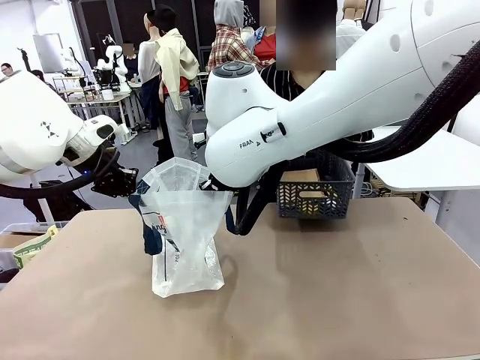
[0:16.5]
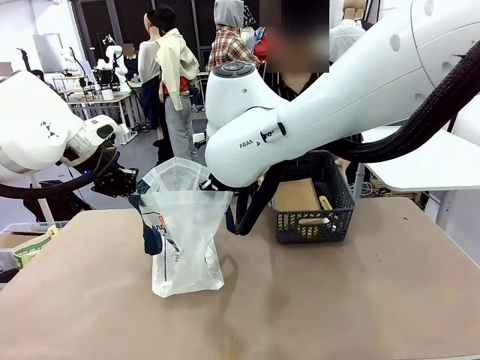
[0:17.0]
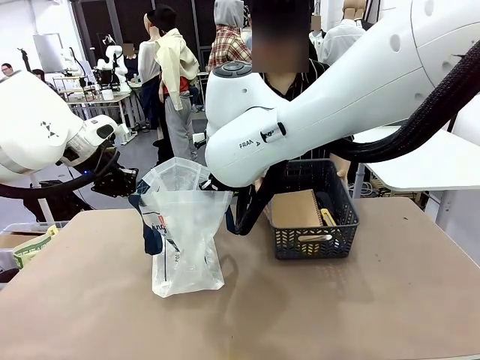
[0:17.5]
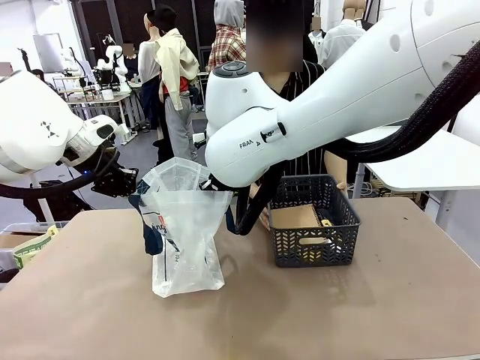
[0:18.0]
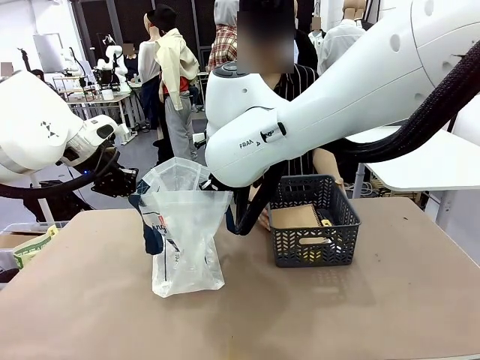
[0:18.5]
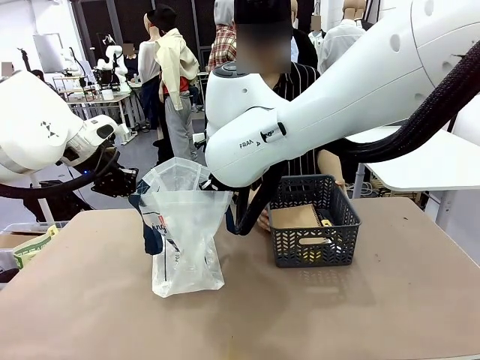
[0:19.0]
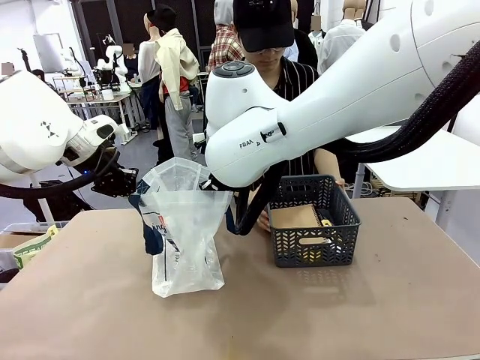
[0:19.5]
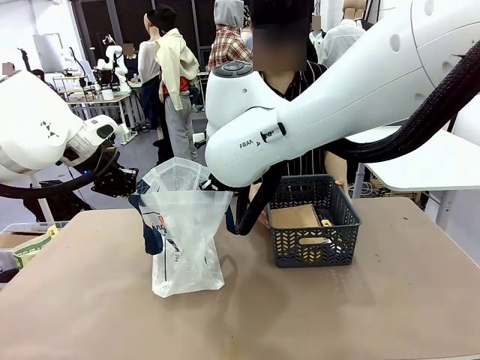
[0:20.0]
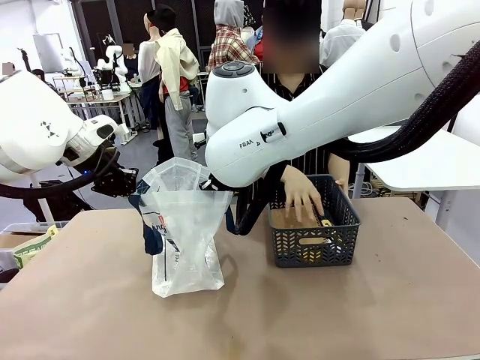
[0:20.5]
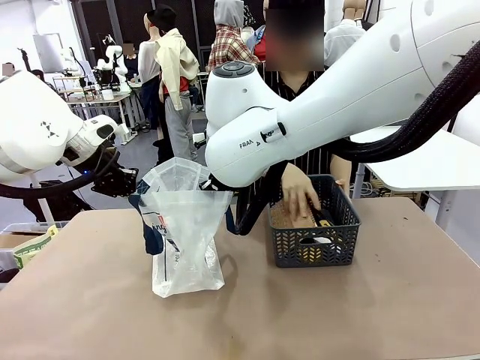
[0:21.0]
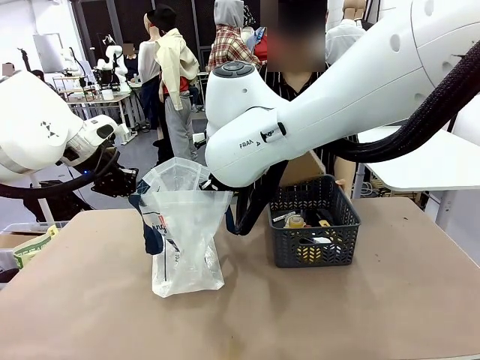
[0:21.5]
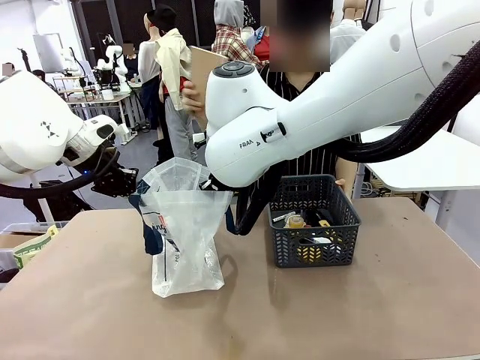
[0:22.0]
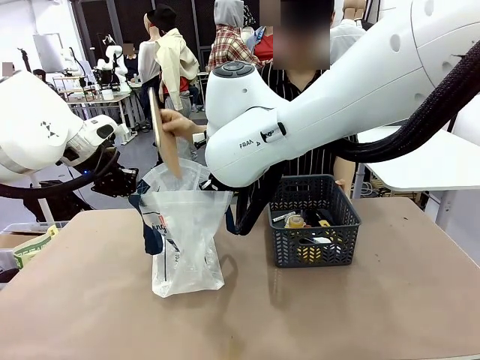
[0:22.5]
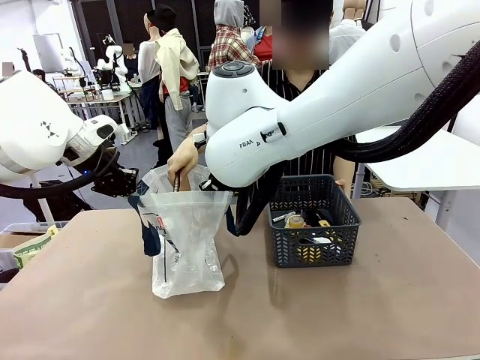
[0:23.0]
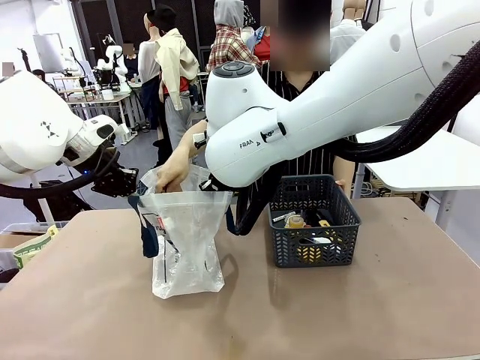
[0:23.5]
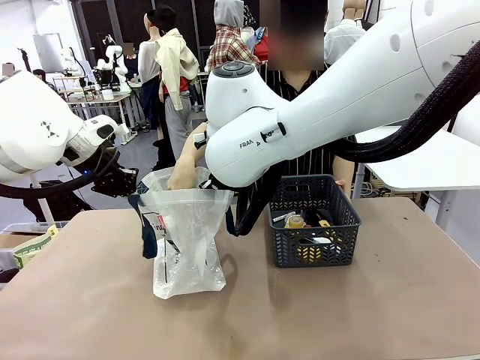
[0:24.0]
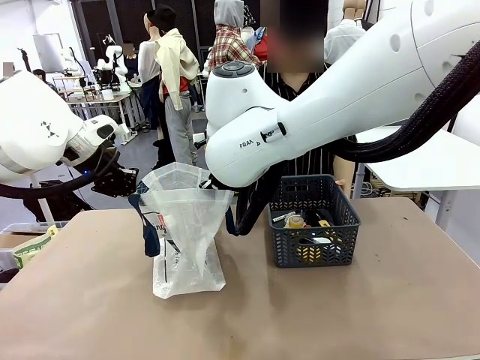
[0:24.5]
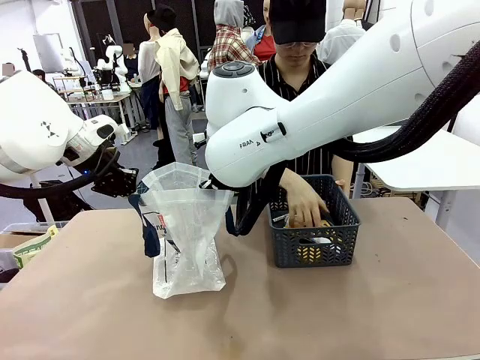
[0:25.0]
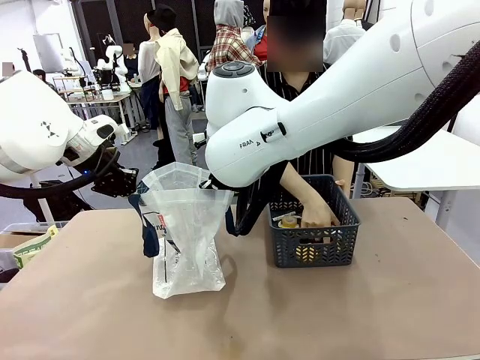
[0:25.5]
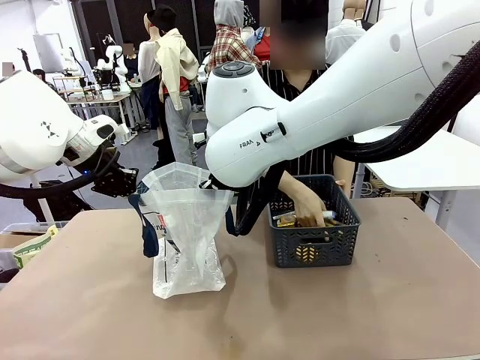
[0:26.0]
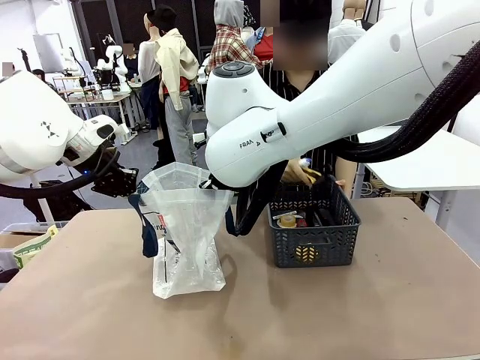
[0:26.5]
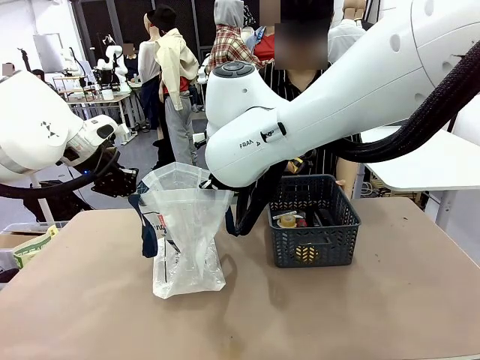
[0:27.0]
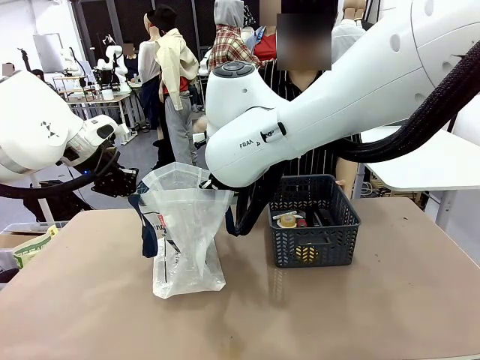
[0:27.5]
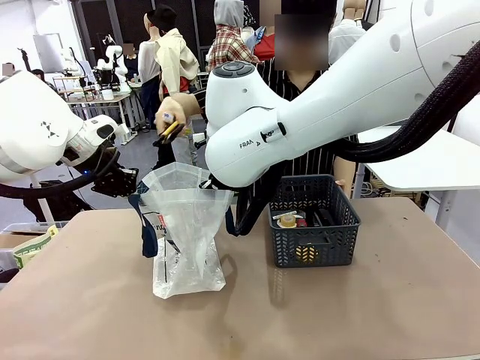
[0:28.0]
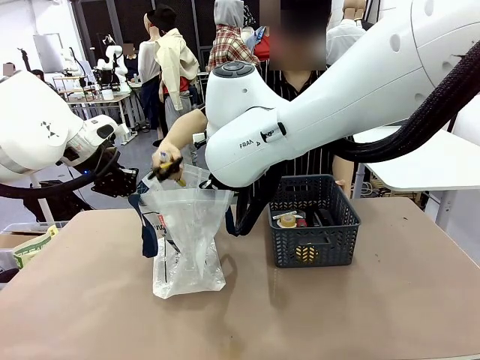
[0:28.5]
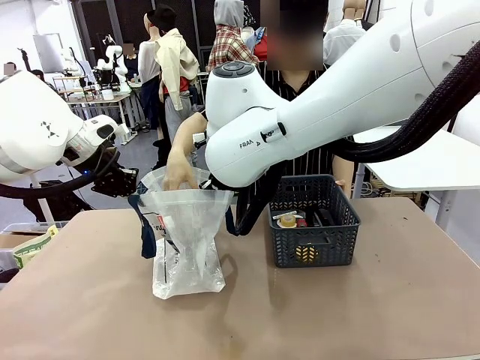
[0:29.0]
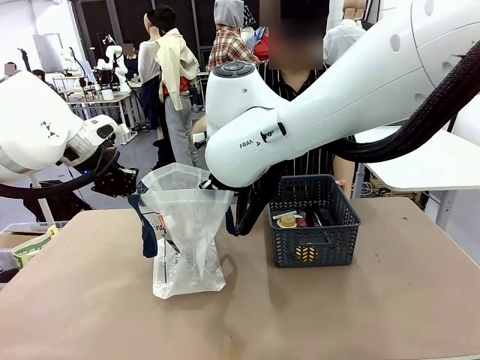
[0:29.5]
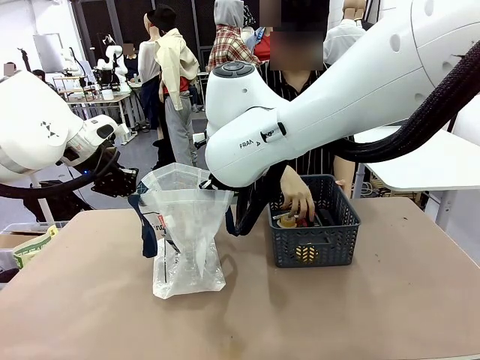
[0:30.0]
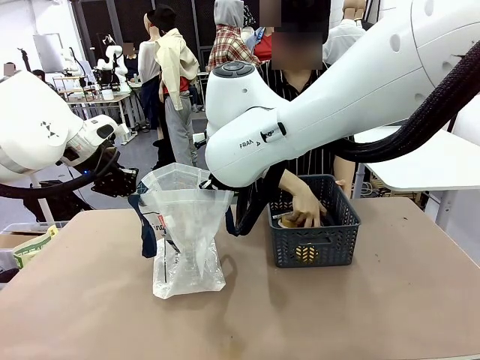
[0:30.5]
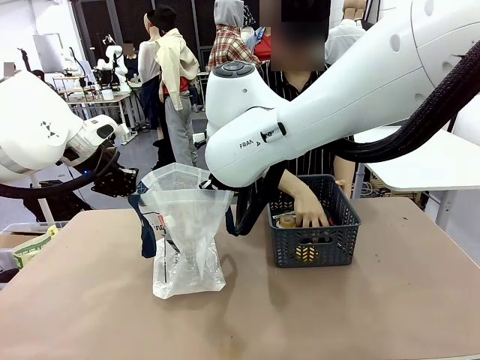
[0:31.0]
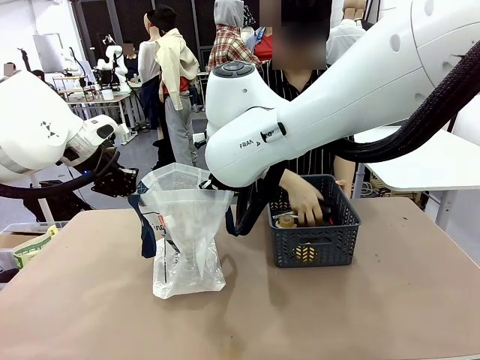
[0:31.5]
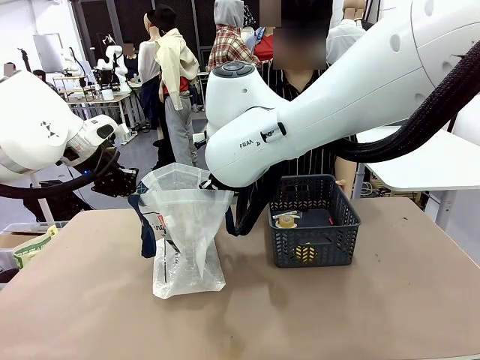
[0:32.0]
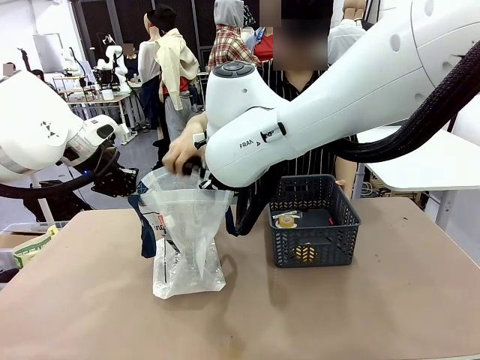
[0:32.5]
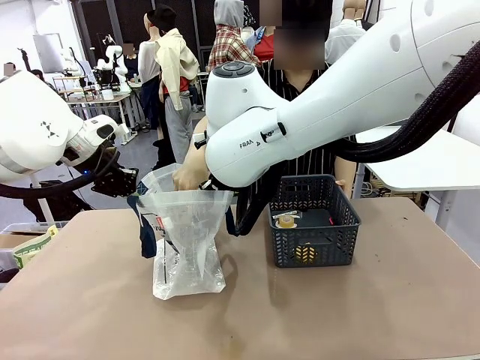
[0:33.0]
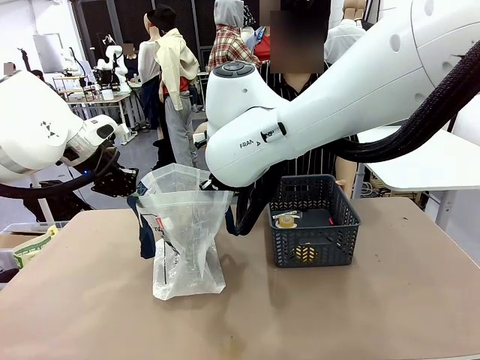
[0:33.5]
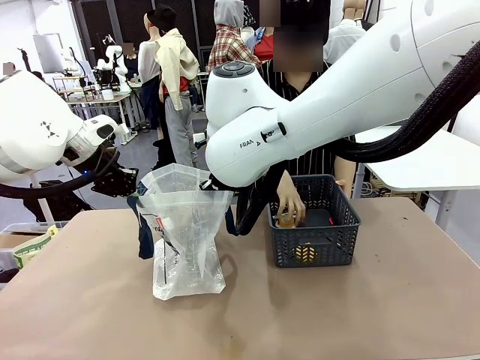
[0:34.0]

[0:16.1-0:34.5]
Task: Transfer purchased items from the store into the shopping bag.
Robot: Move the Reusable shopping bag to the right side of the table.
Person: Pick up the basket with the items out and place it on the right side of the human table.

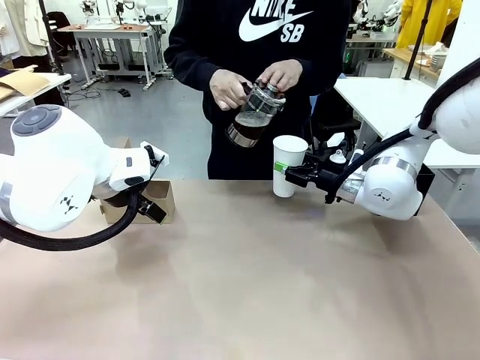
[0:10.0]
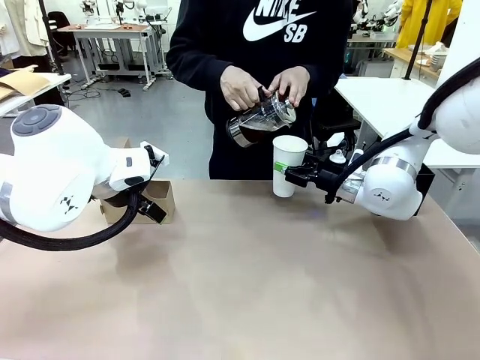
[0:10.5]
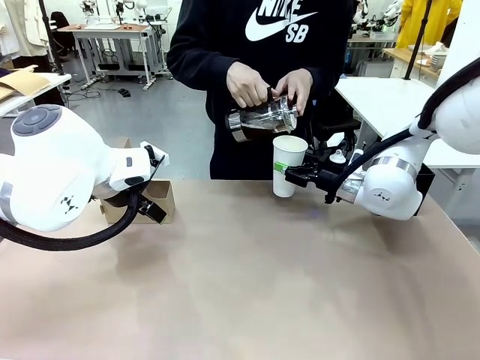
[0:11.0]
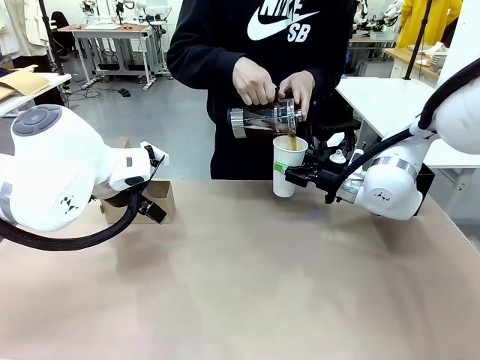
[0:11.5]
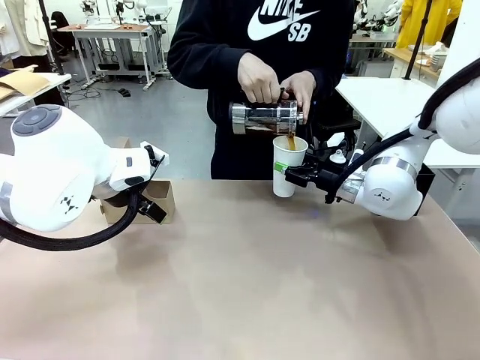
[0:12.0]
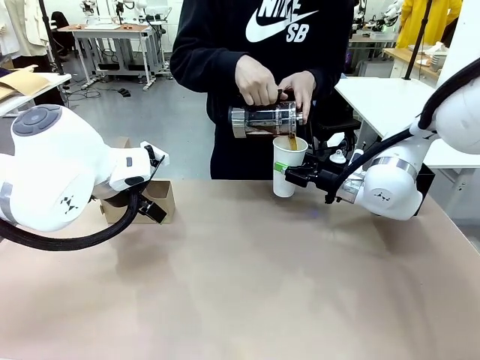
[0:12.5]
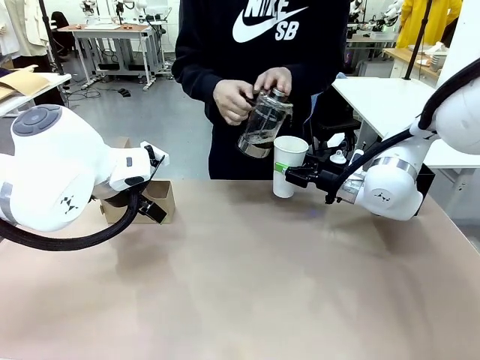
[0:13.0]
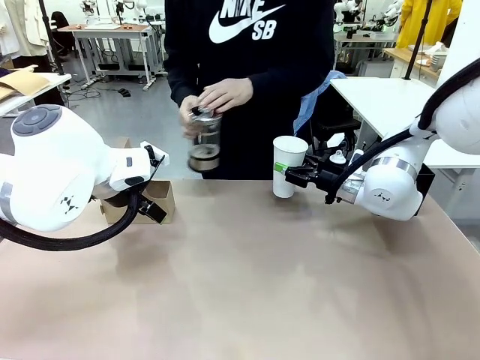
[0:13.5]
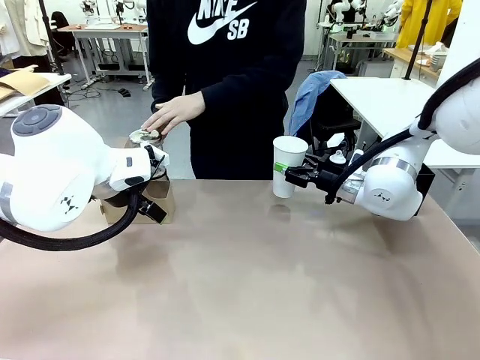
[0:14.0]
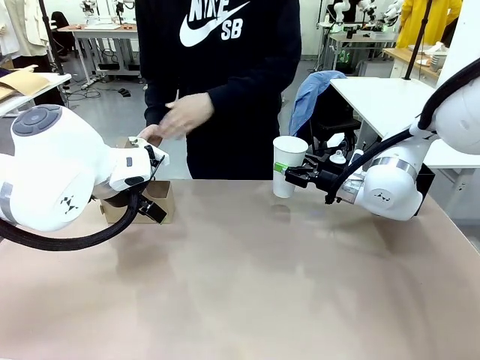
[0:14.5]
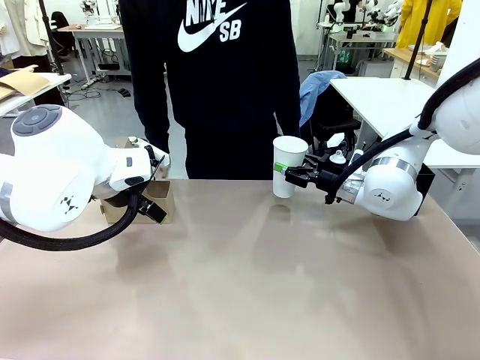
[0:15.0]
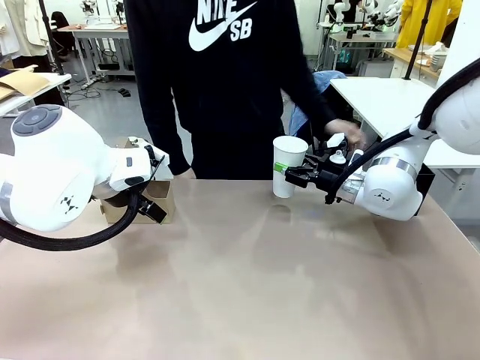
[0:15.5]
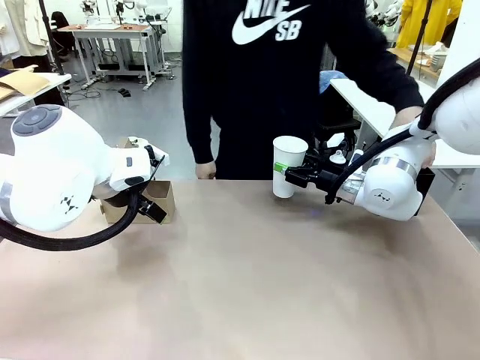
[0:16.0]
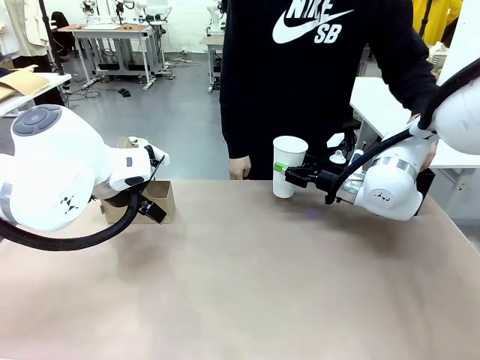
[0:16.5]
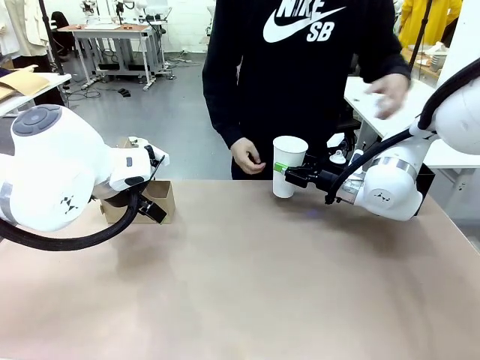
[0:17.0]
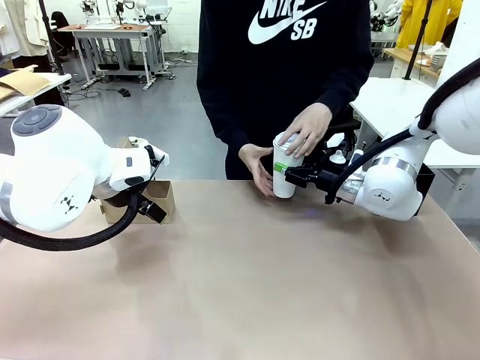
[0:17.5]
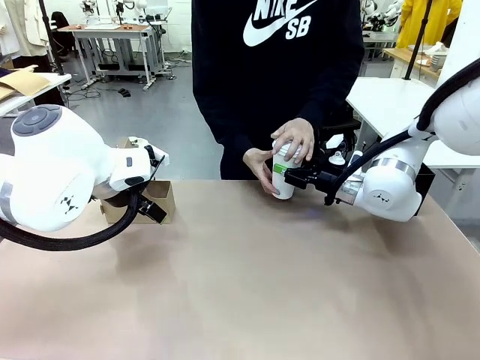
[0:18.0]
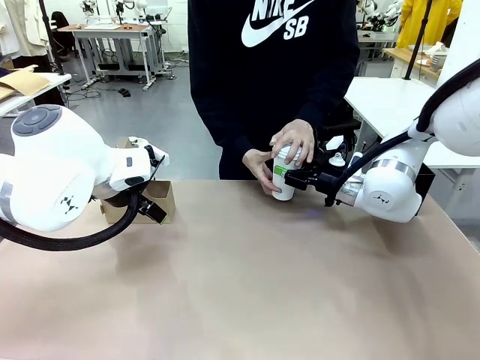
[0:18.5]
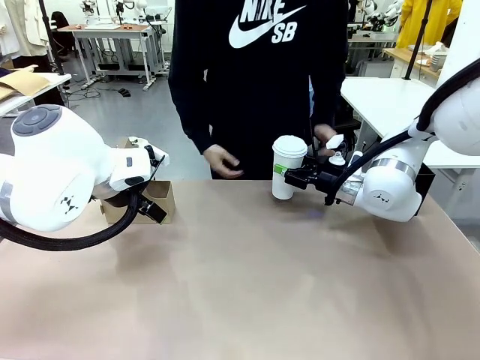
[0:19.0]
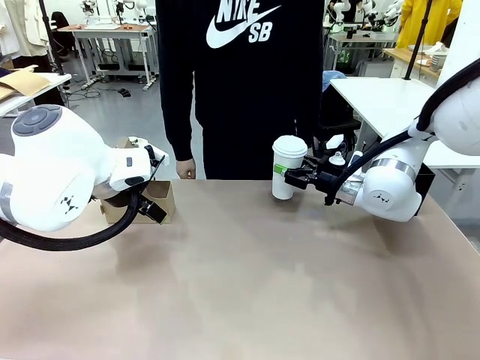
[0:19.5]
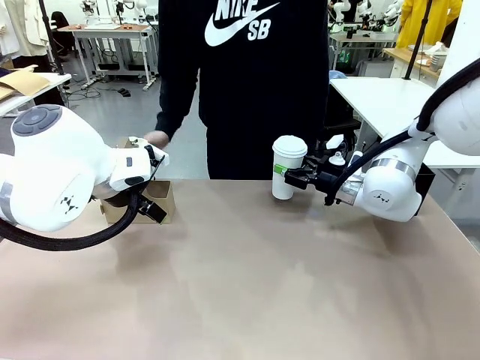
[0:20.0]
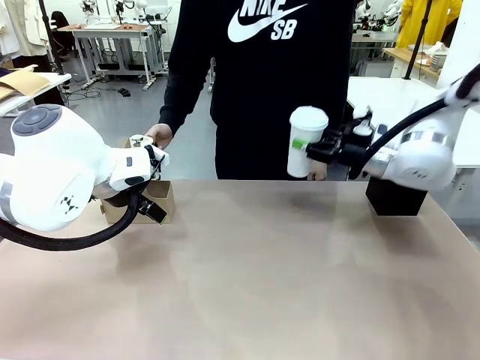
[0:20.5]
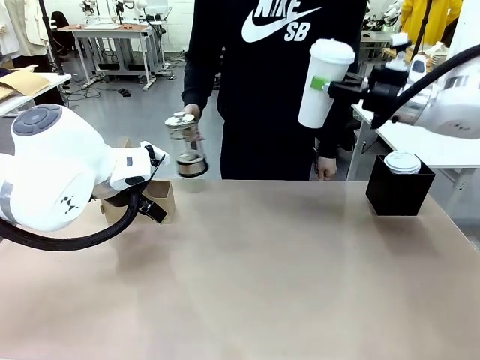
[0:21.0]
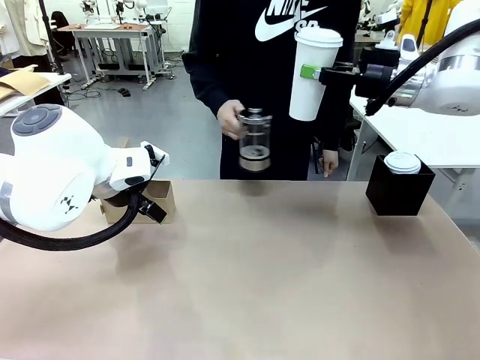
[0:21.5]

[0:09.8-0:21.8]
Task: Pour a drink into a cup and package it in a carrier.
Robot: When a person places the Paper Cup Lid on the 600 ml Paper Cup , lift the 600 ml Paper Cup.
Person: Pour the drink from the Filter Brewing into the 600 ml Paper Cup. Place a Paper Cup Lid on the 600 ml Paper Cup.
